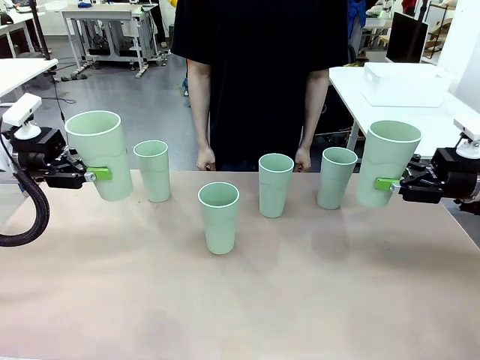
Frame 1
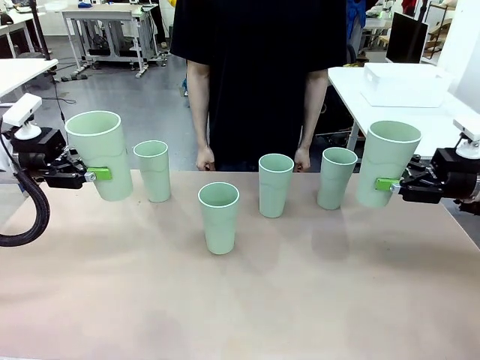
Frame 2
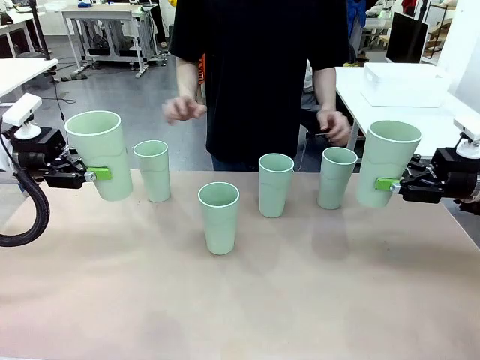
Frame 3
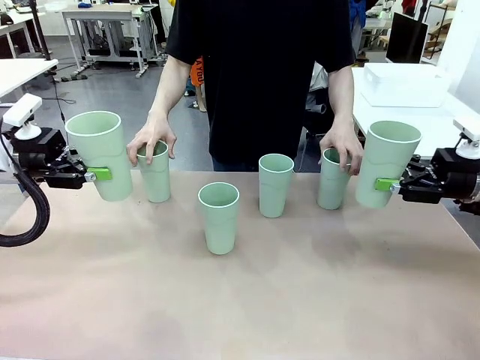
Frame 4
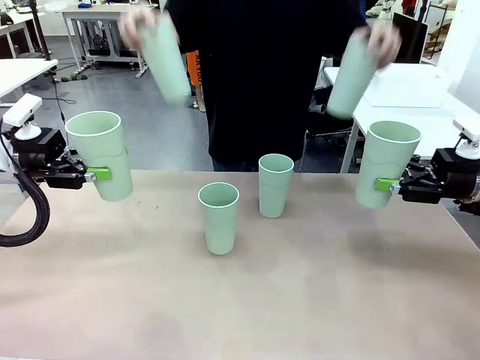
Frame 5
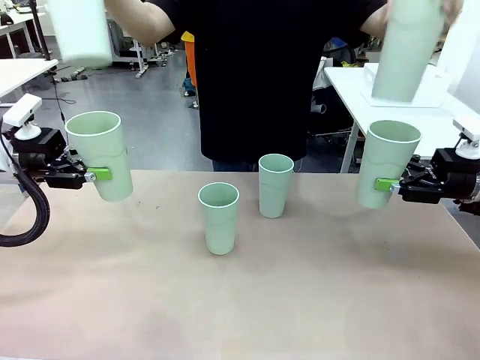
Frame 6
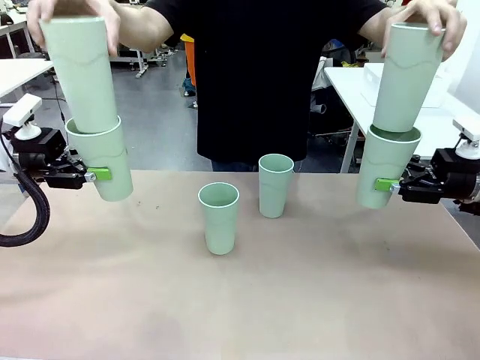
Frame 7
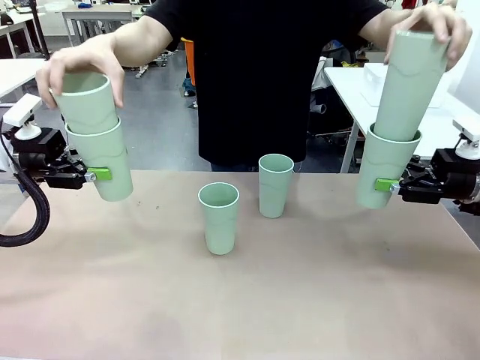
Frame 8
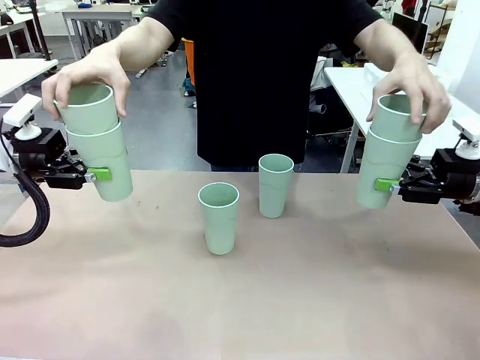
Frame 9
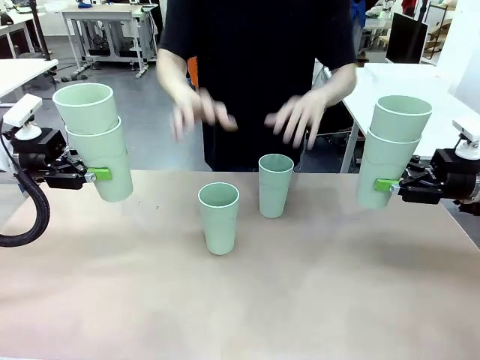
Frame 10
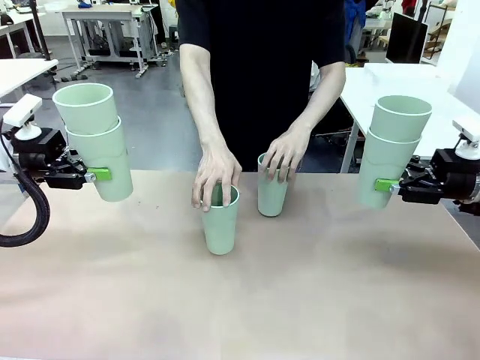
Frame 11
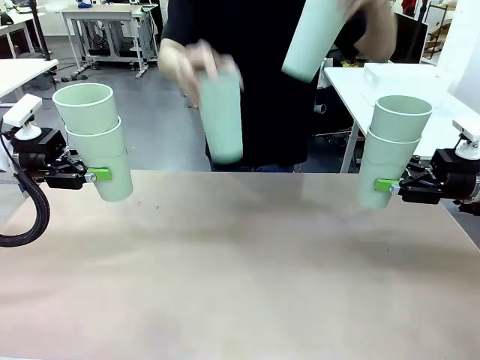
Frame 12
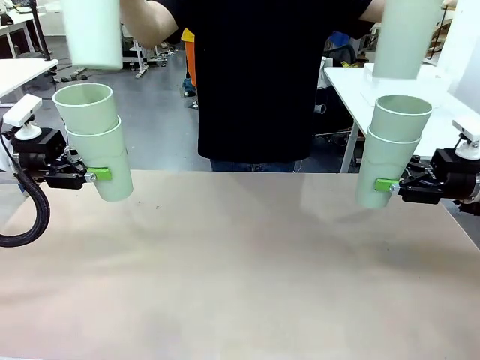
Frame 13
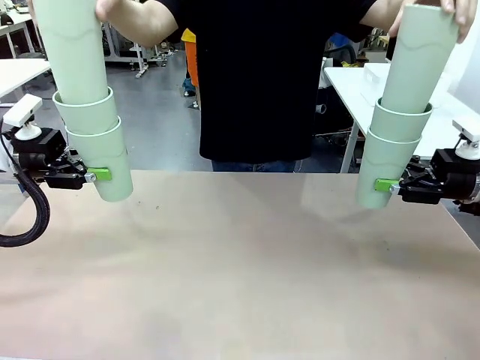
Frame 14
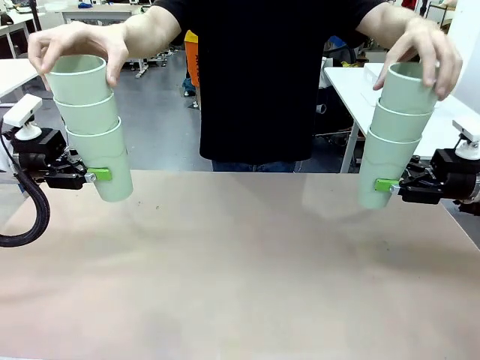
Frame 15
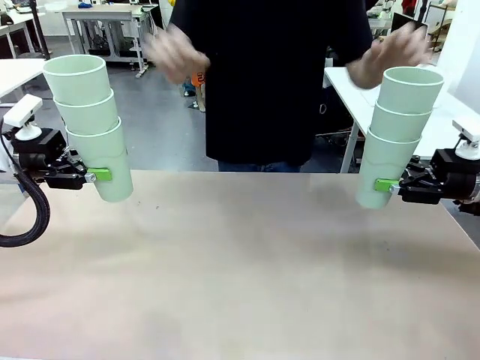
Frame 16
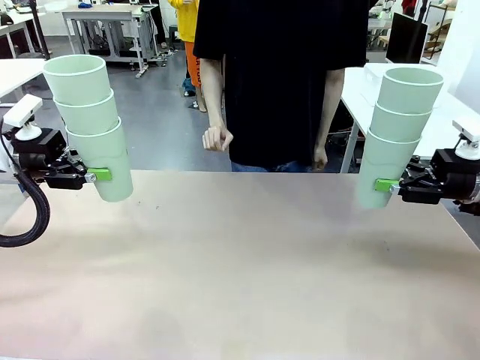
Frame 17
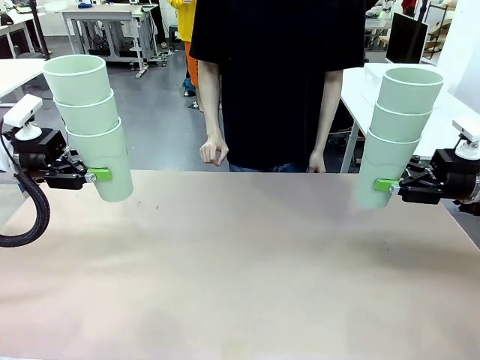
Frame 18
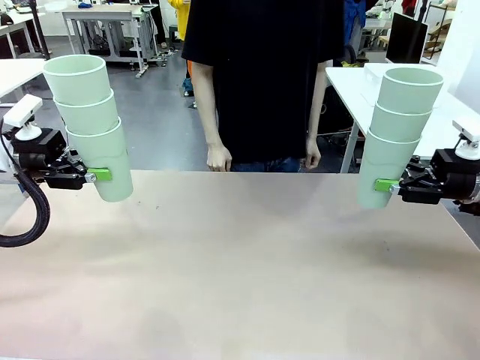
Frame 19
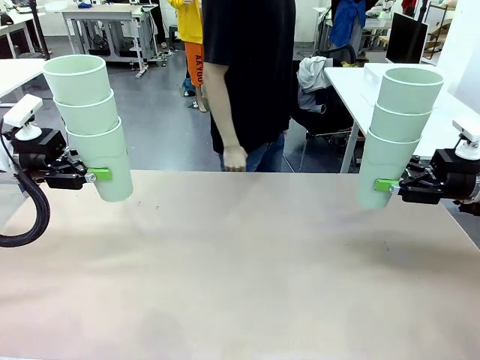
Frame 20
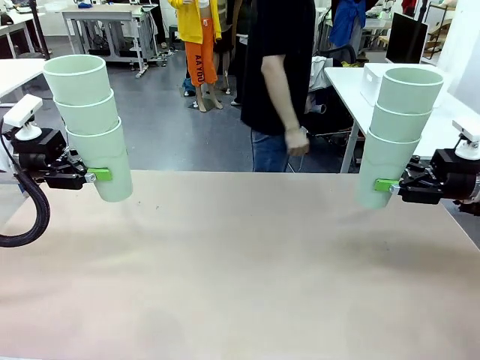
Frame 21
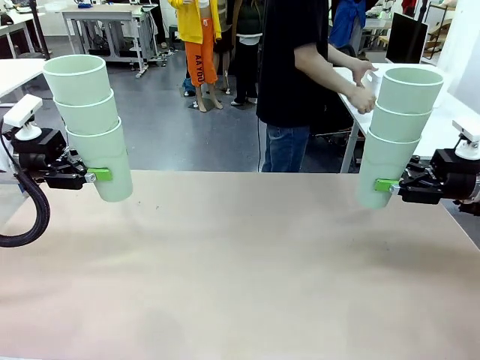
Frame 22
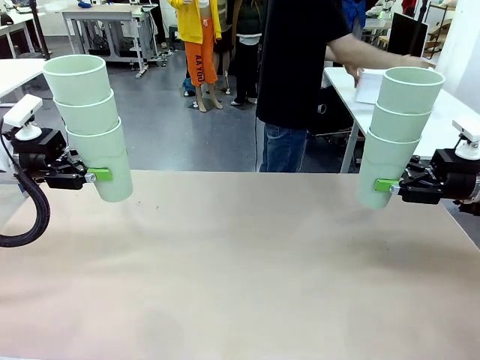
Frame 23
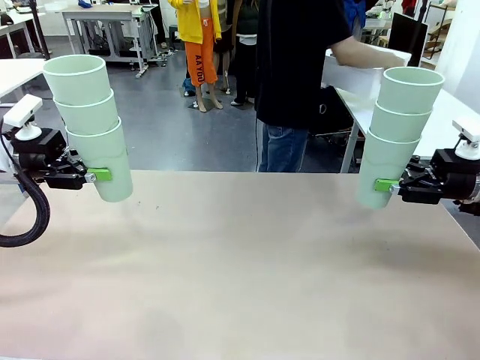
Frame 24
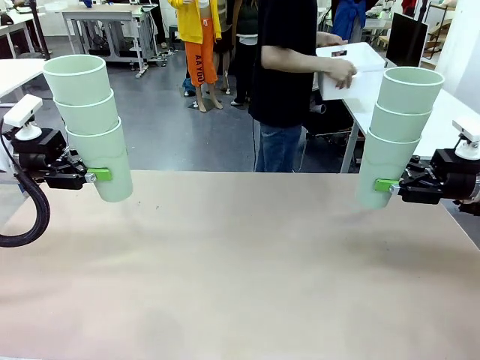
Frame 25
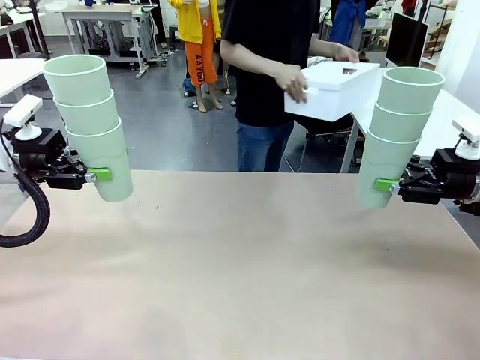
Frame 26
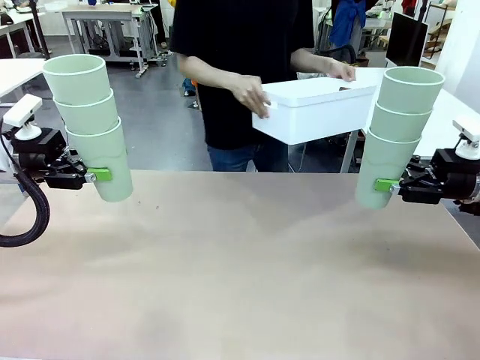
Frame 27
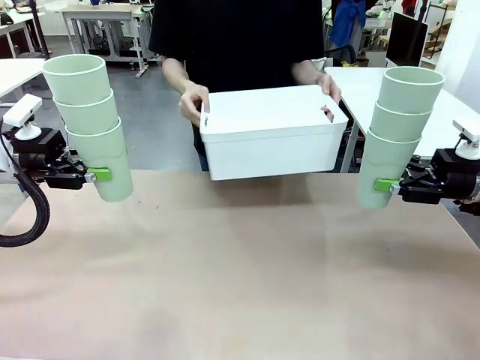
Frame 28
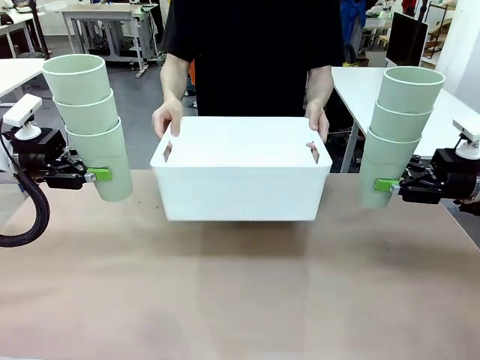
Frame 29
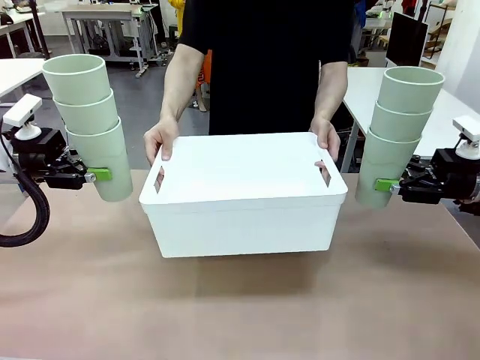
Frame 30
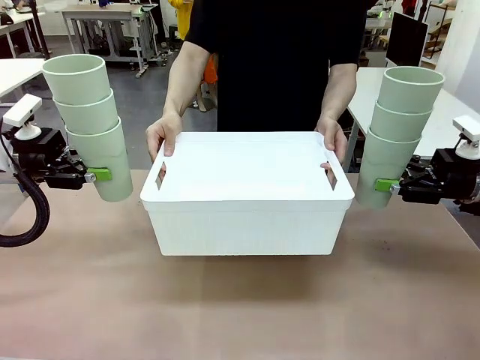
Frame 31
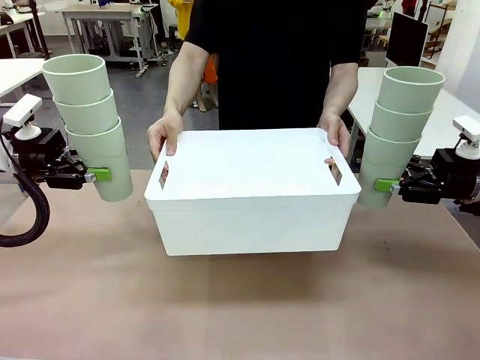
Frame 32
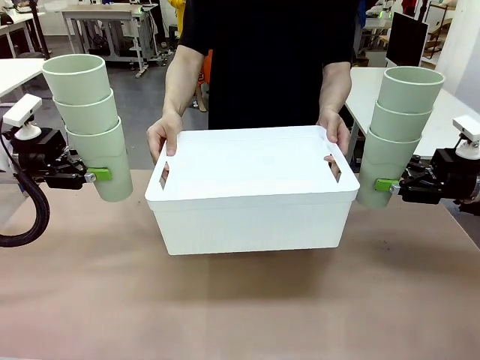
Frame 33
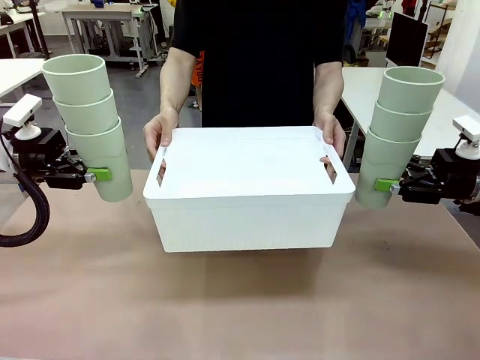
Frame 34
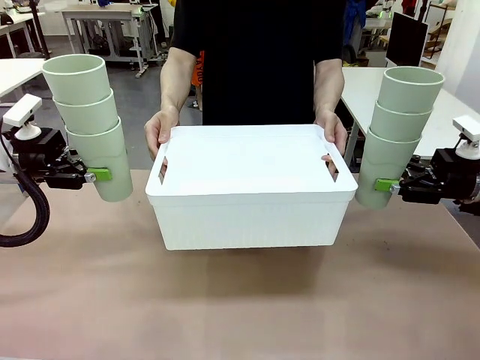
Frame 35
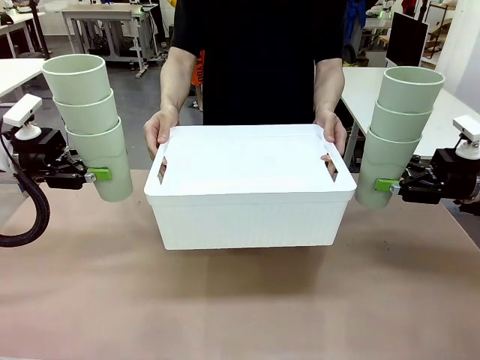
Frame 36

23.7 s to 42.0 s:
Task: Stack the cups and store them in the basket.
Robot: Place the stack of Reusable plastic cups into the Pantry Basket.
Person: Pick up the basket from the Human Table, bring it to the front of the robot, and present it.

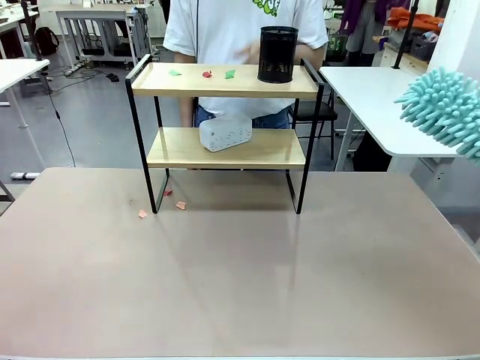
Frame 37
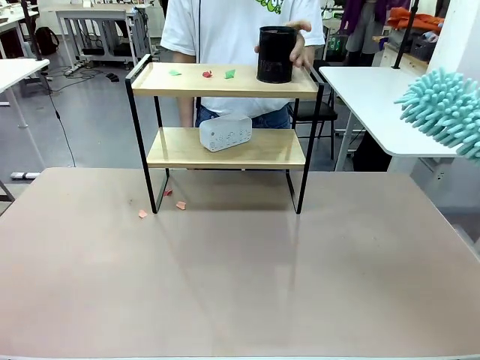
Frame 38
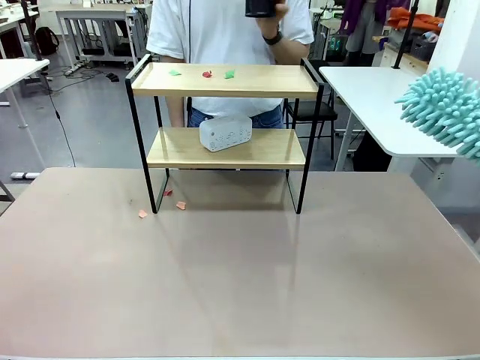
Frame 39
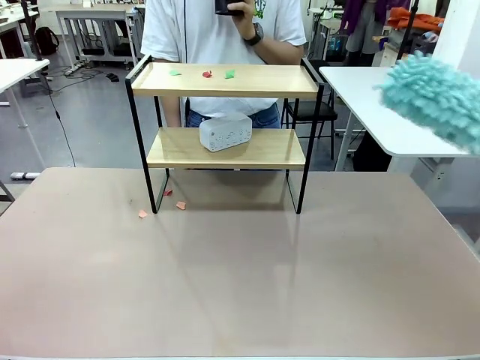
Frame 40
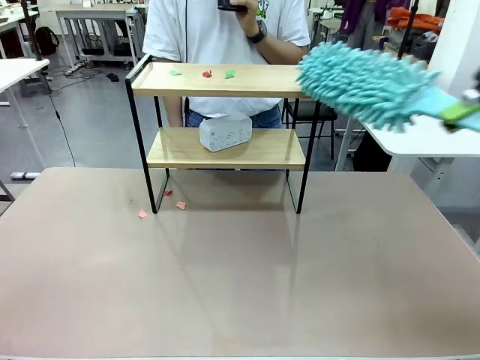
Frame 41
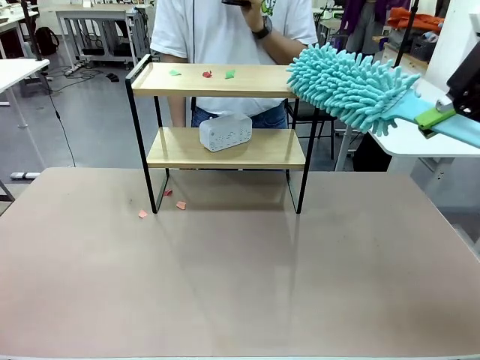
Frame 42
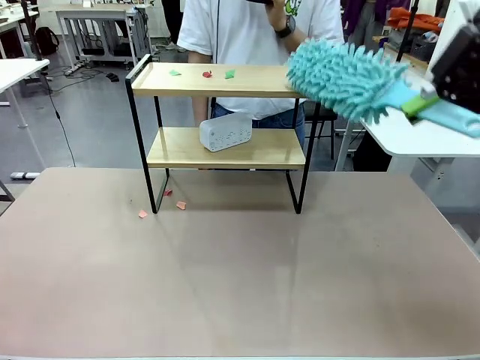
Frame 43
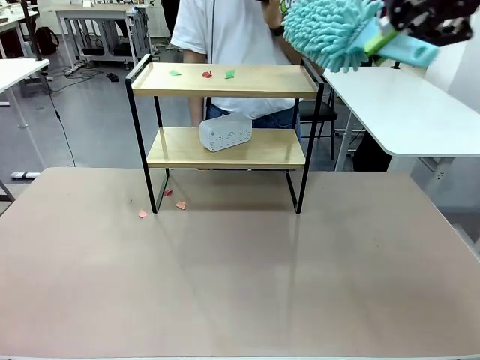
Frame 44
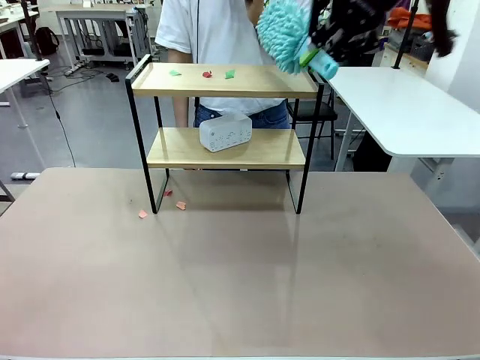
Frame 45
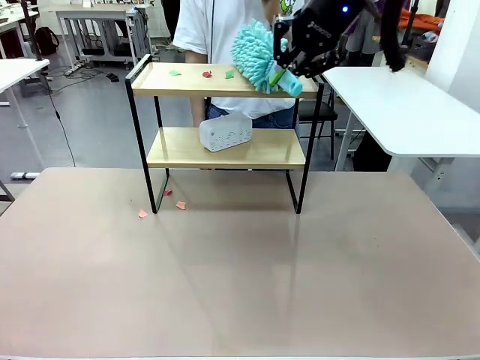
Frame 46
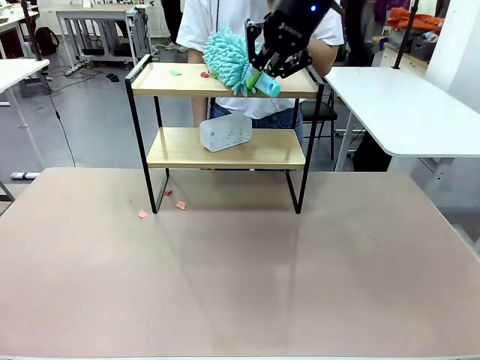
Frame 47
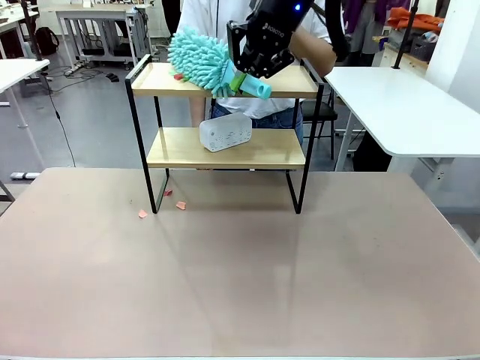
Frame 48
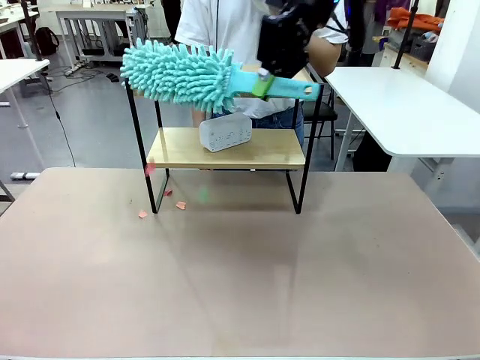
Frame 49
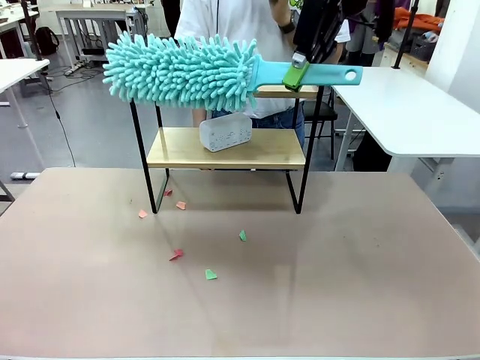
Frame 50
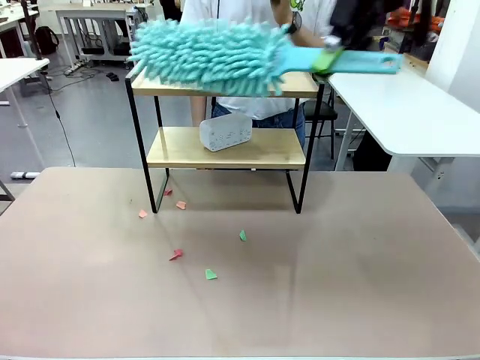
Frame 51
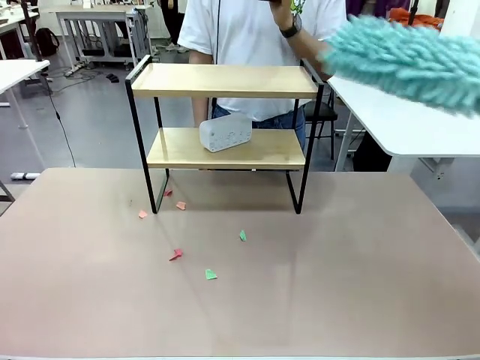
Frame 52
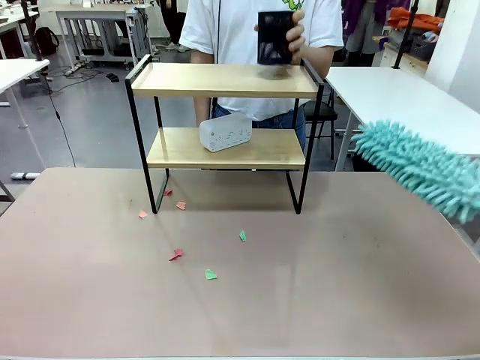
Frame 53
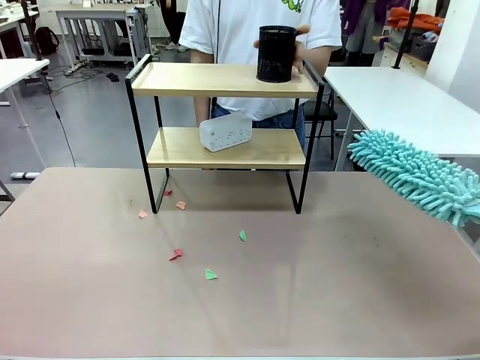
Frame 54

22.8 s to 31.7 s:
Task: Clean the shelf.
Robot: Clean the remaining tier of the Shelf with the Duster once objects are removed.
